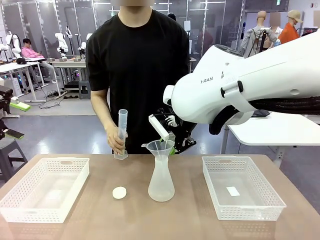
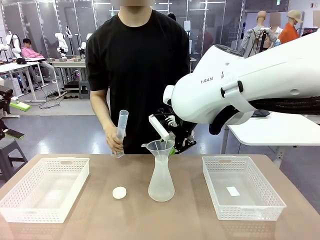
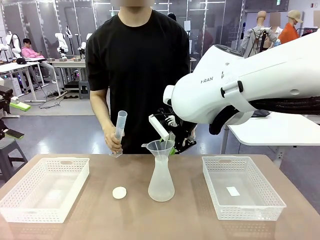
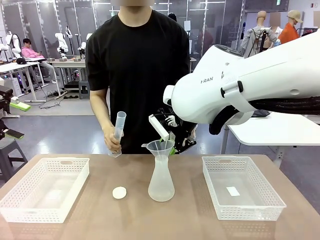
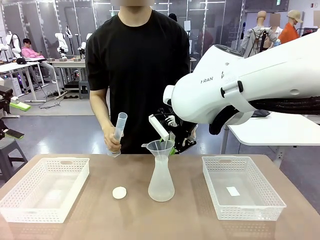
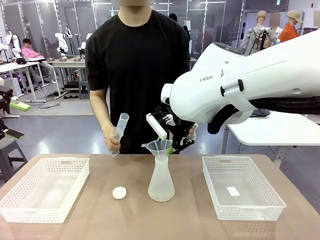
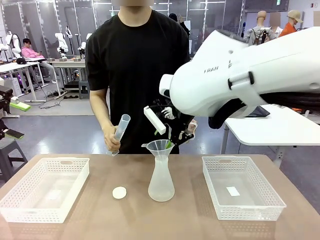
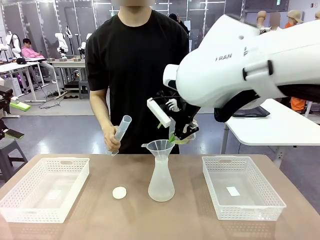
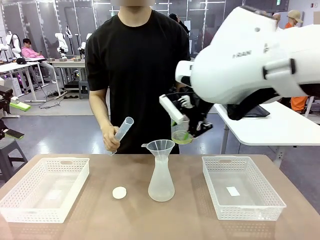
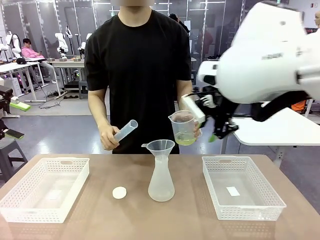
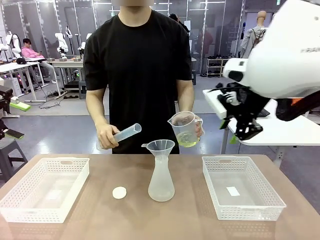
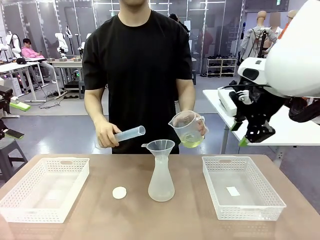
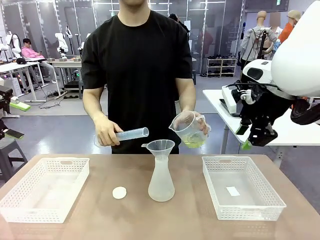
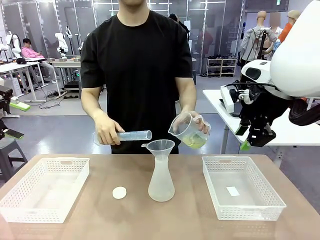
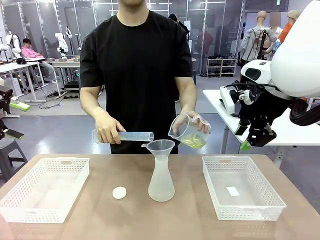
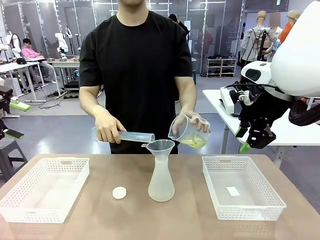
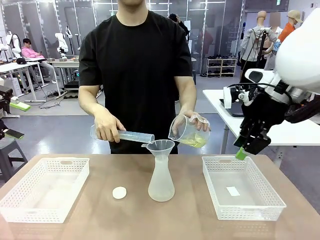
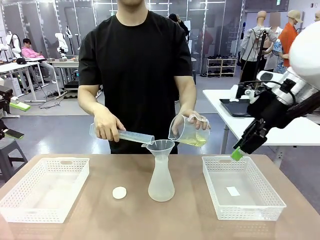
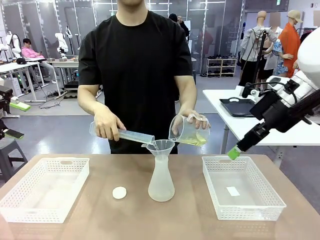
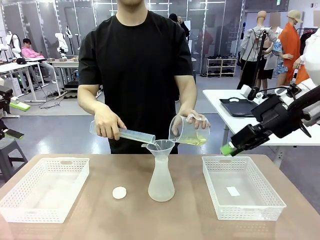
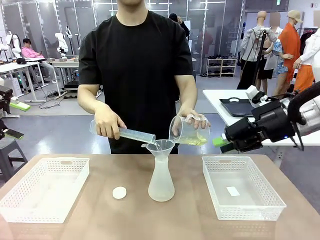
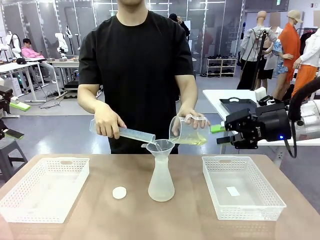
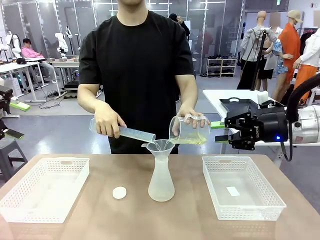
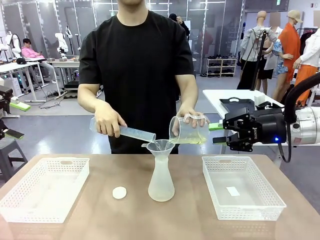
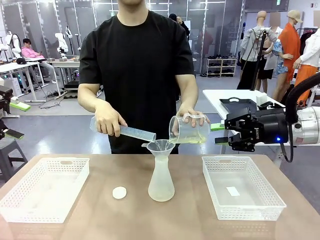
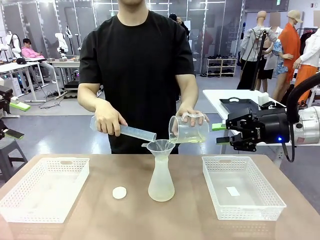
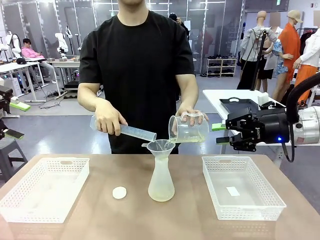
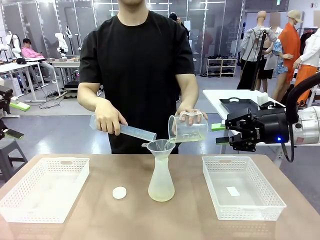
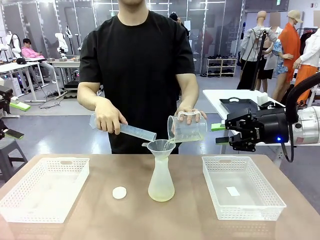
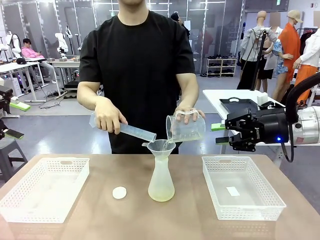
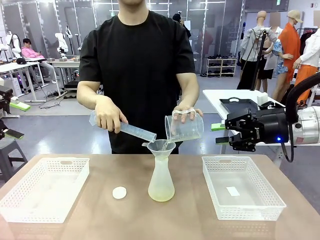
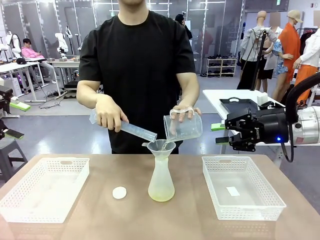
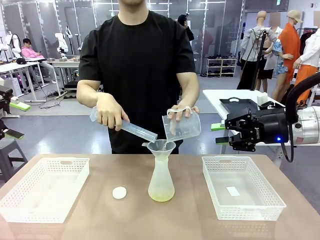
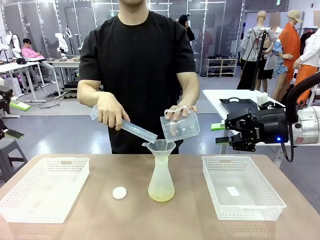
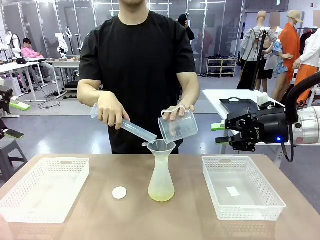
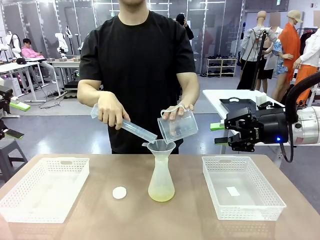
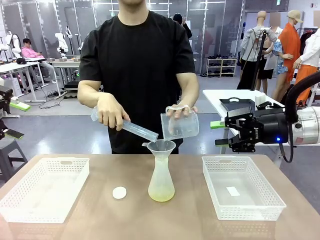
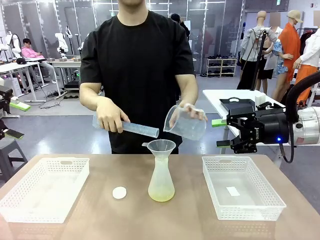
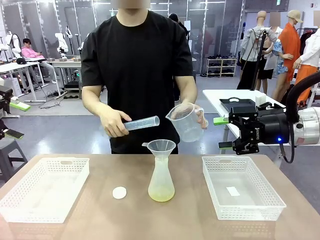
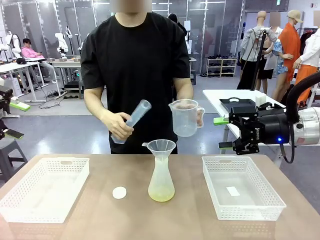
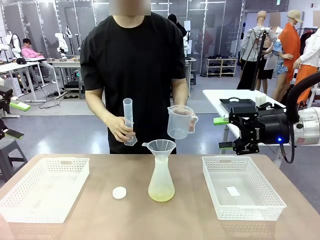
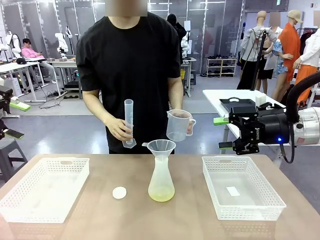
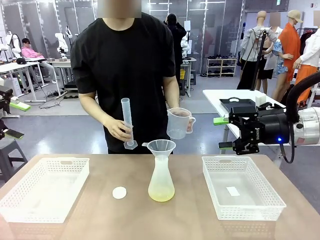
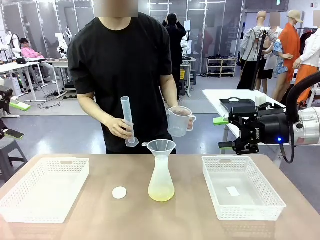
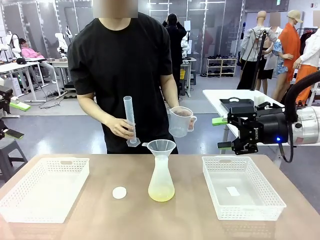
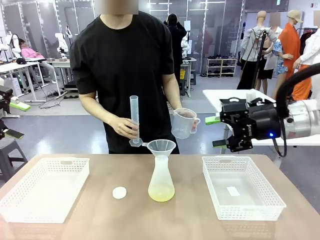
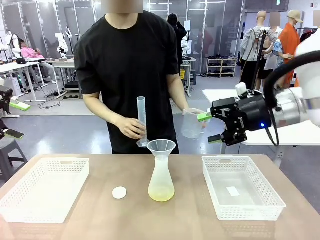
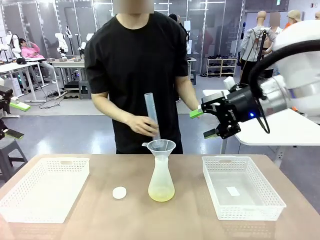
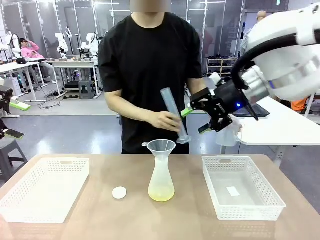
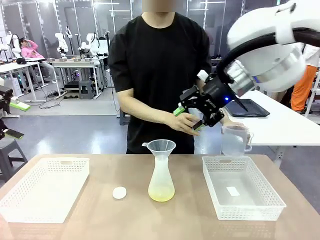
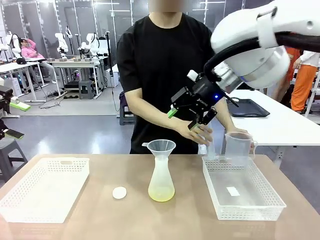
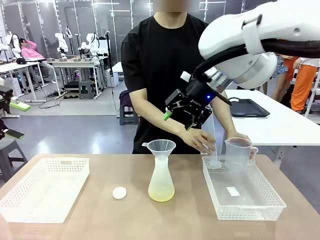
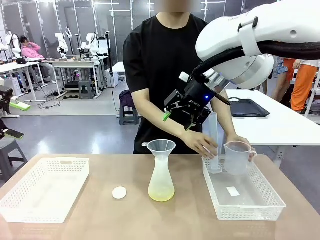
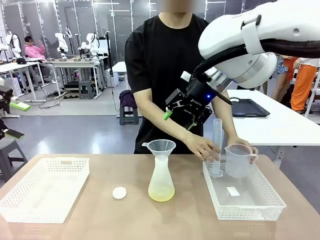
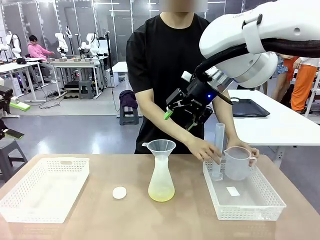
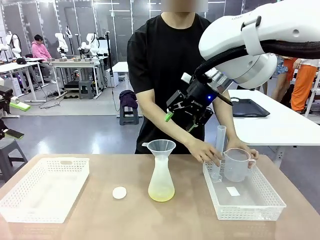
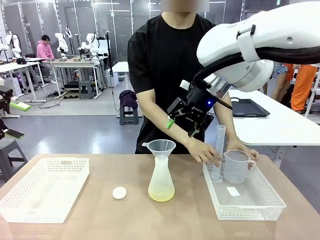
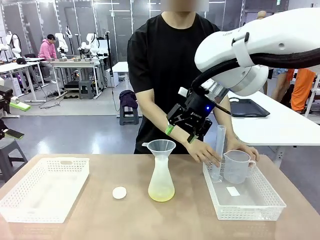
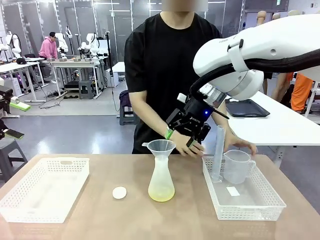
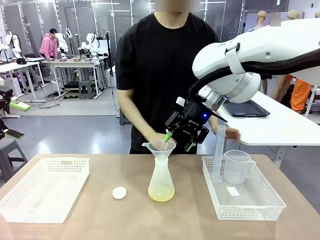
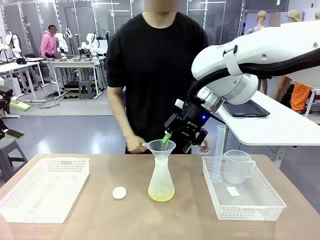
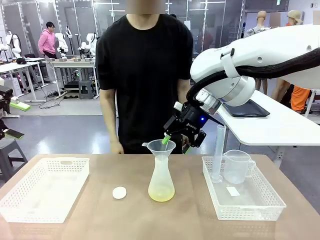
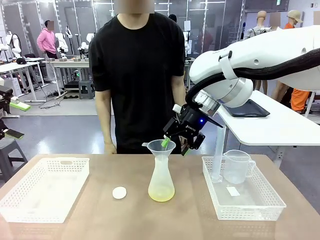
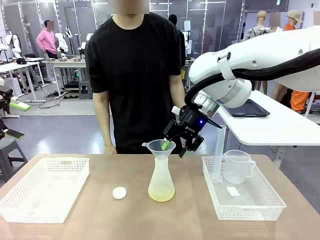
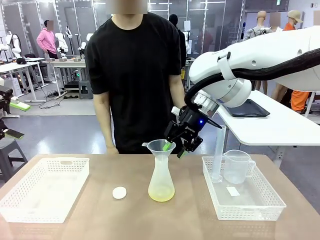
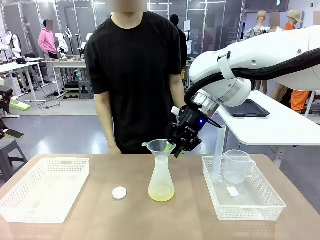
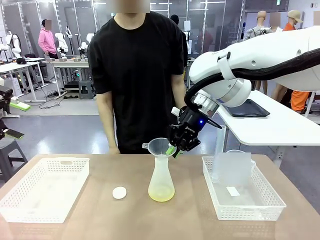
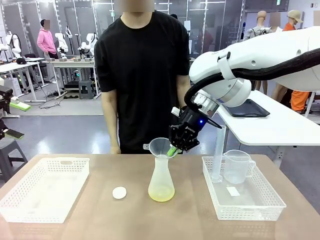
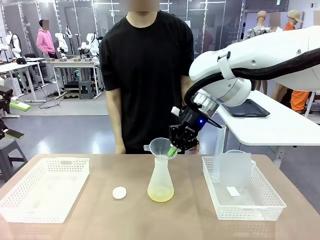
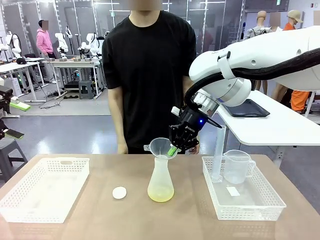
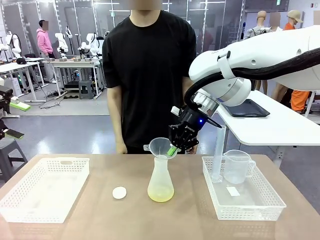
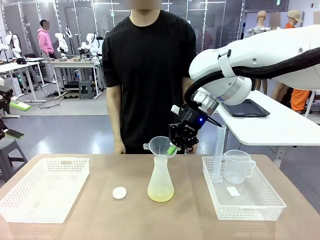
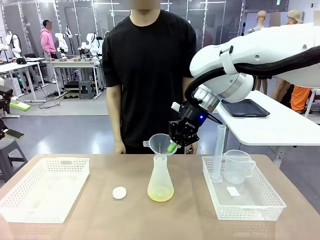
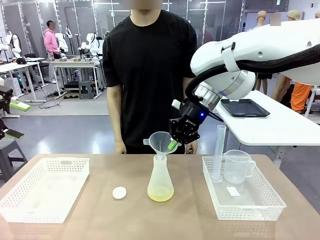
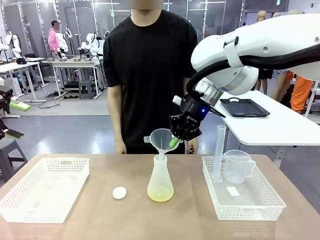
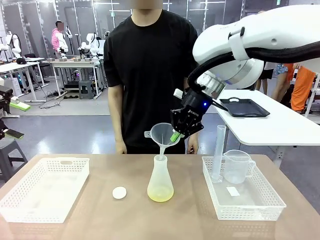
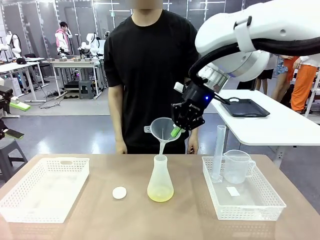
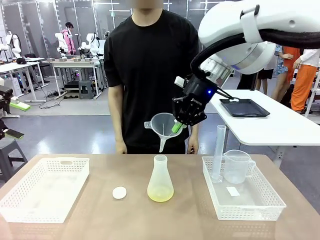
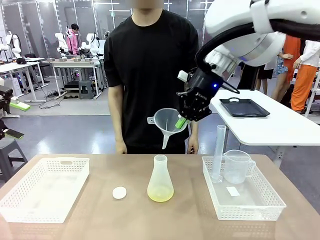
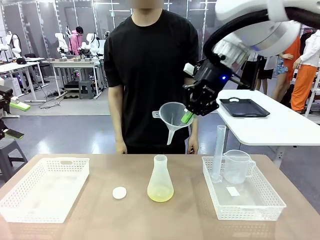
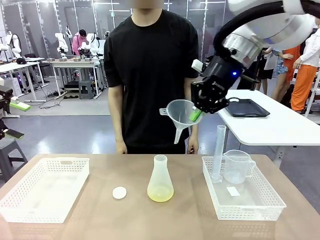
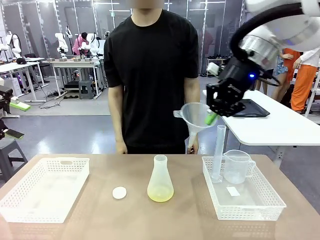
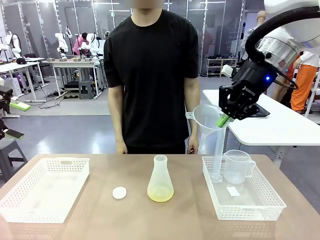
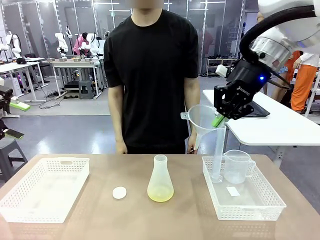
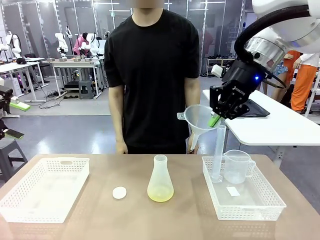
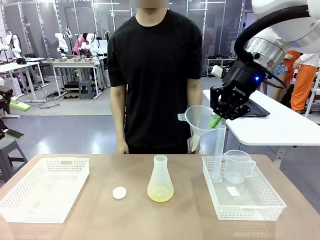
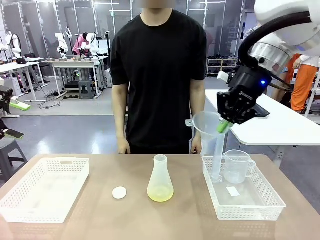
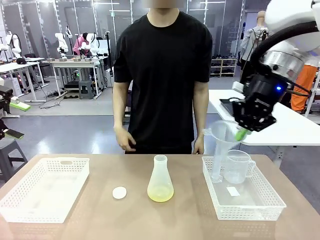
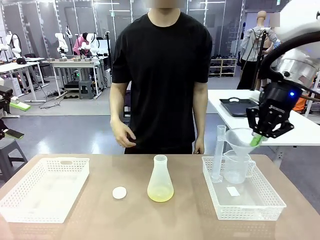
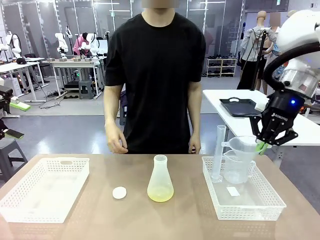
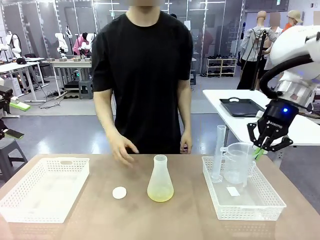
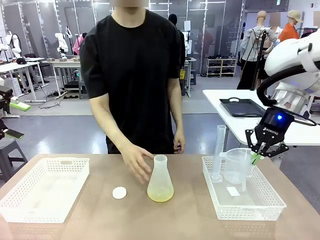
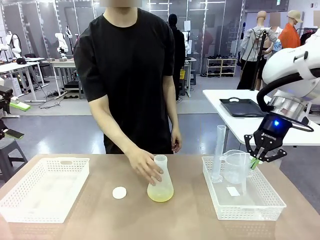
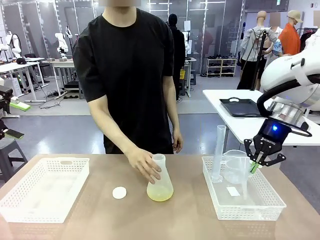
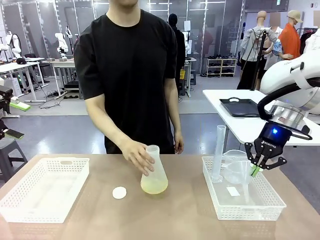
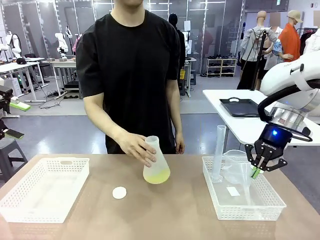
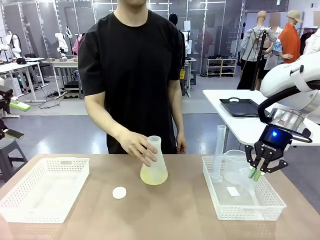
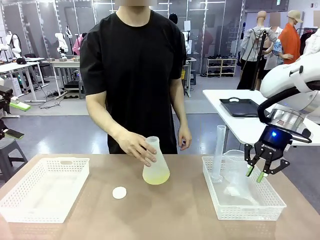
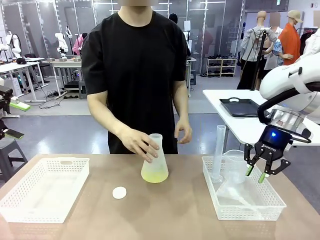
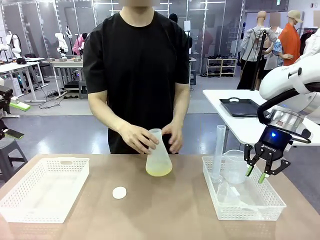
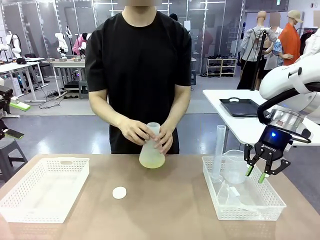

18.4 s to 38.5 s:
Task: Prepare the solutions needed for the experiment.
Robot: Once the solution is in the Big flask , pick up the Plastic Funnel and place it back into the right Organizing basket.
Person: Place the beaker and the cylinder into the organizing basket on the left side. Pick up the flask, gently shake it 2–3 times, place it in the middle of the robot table, and close the lid.
